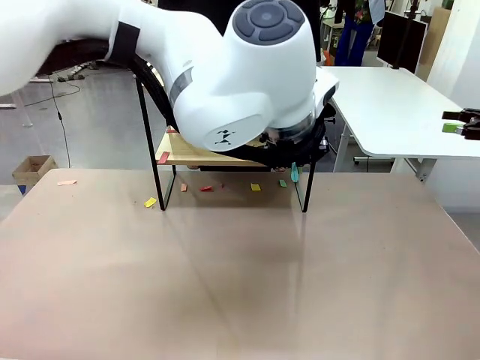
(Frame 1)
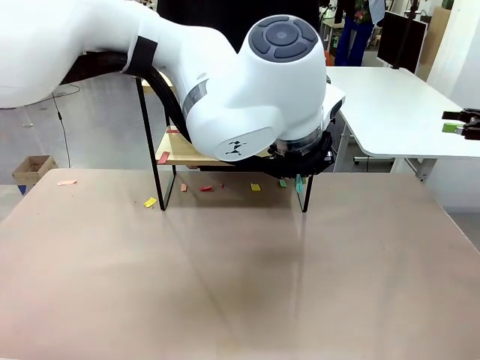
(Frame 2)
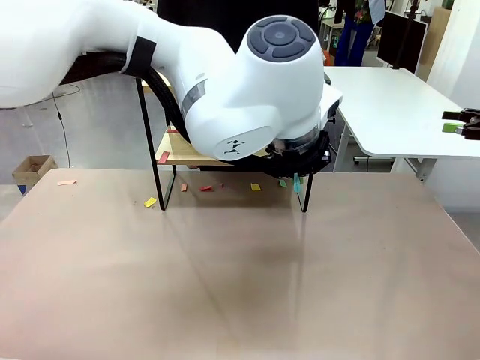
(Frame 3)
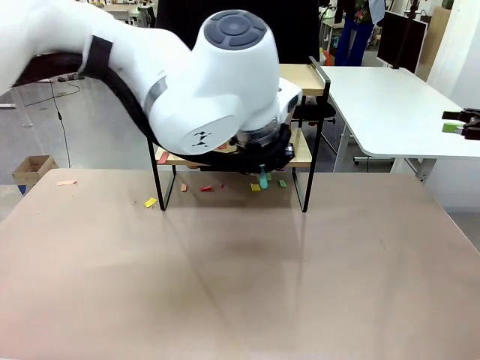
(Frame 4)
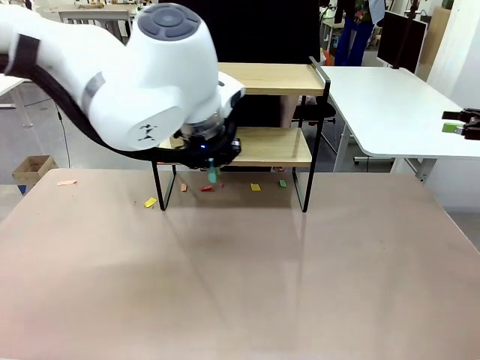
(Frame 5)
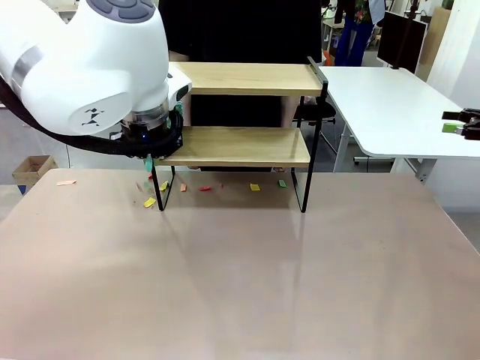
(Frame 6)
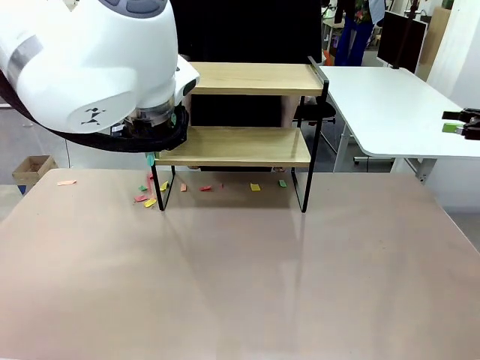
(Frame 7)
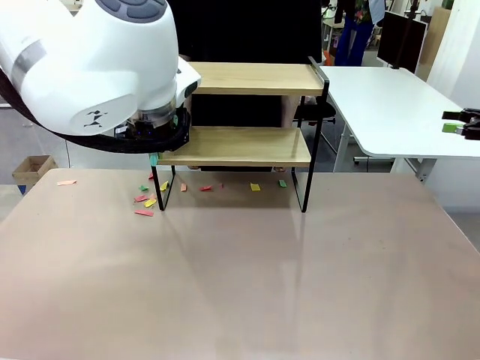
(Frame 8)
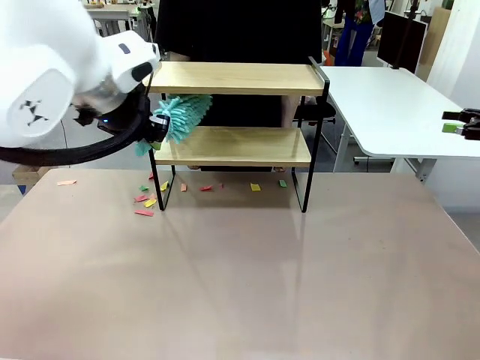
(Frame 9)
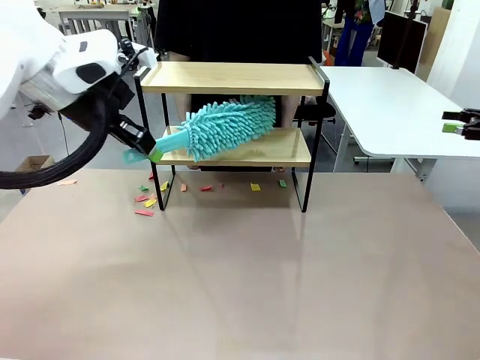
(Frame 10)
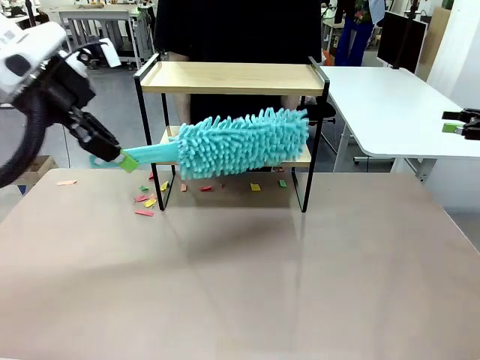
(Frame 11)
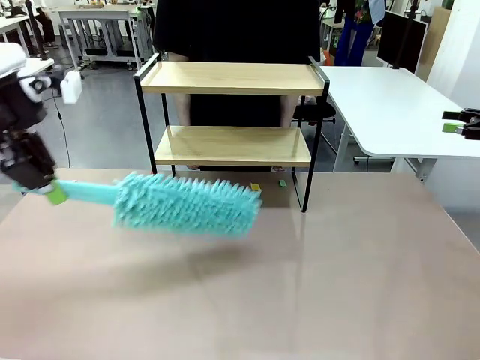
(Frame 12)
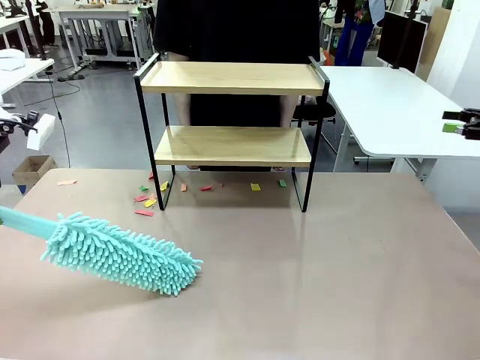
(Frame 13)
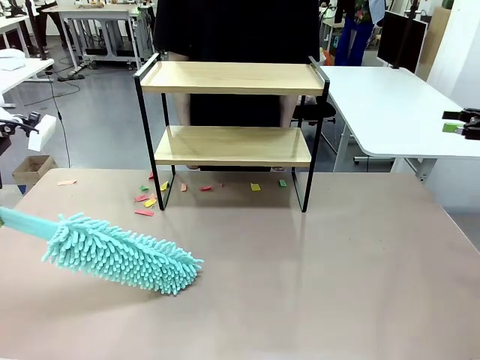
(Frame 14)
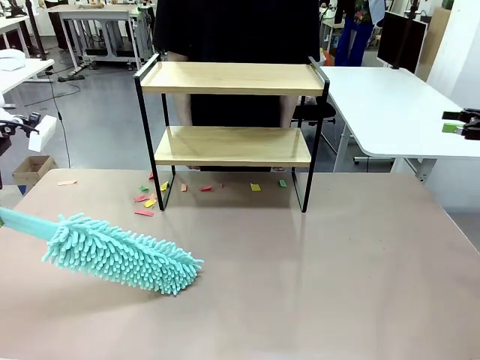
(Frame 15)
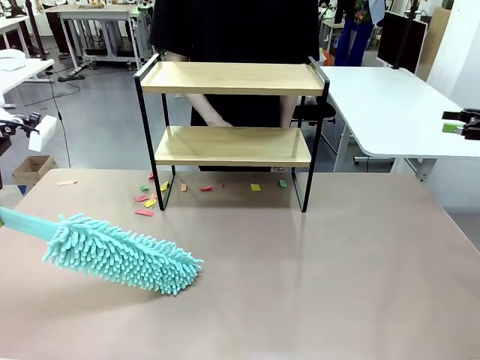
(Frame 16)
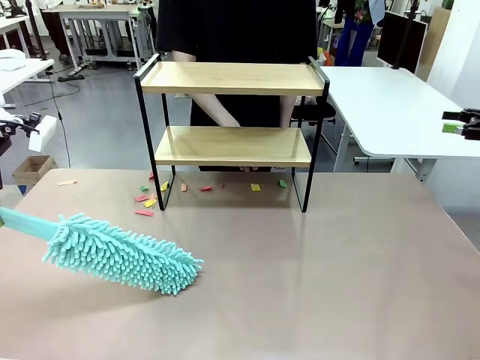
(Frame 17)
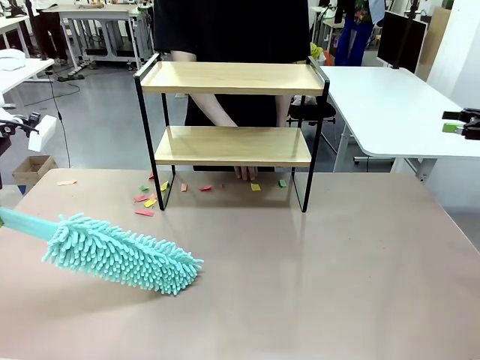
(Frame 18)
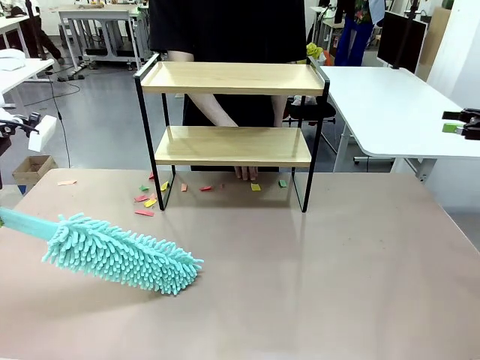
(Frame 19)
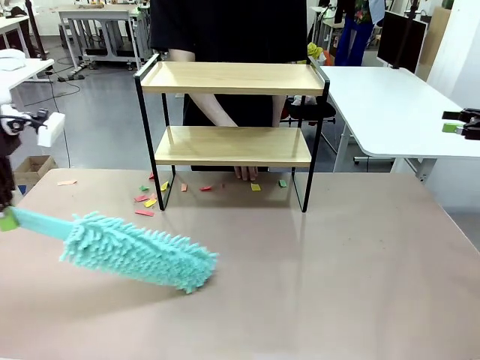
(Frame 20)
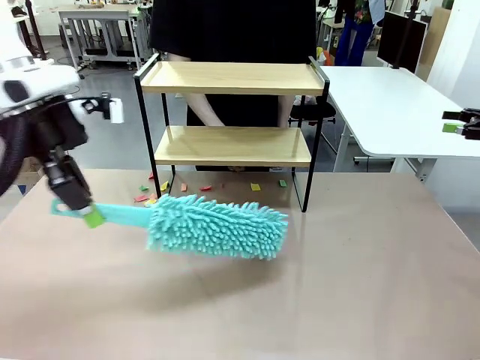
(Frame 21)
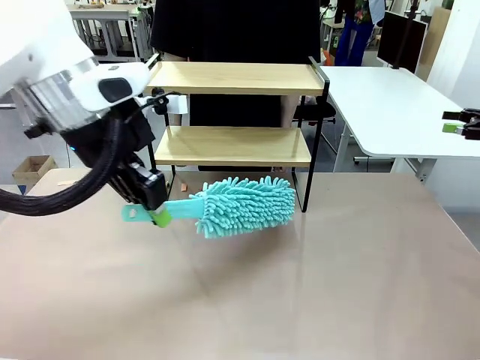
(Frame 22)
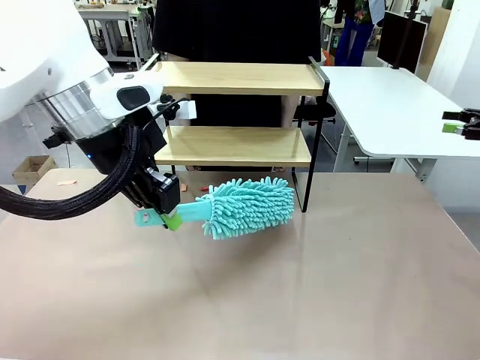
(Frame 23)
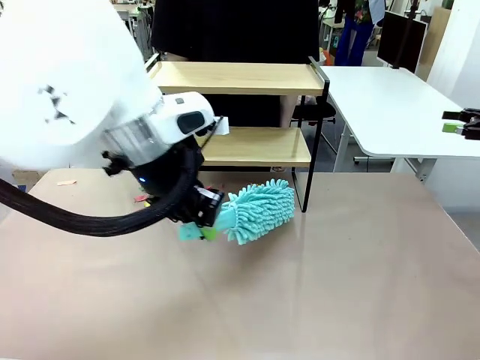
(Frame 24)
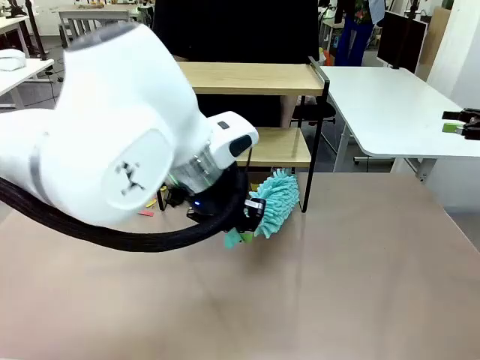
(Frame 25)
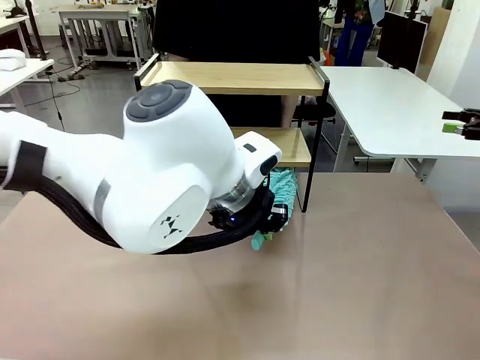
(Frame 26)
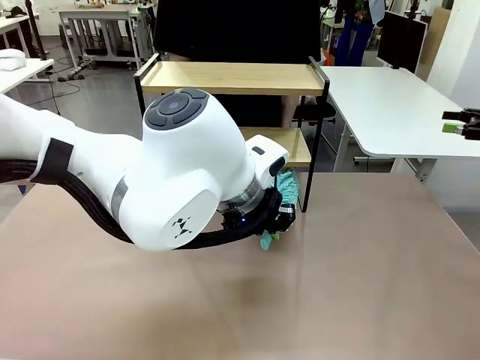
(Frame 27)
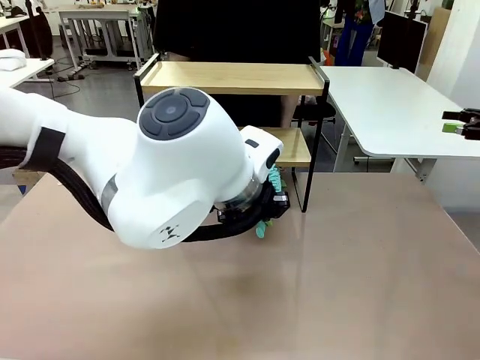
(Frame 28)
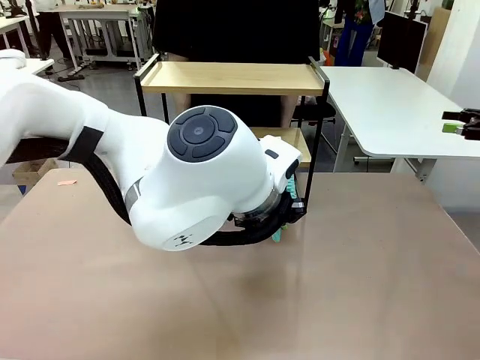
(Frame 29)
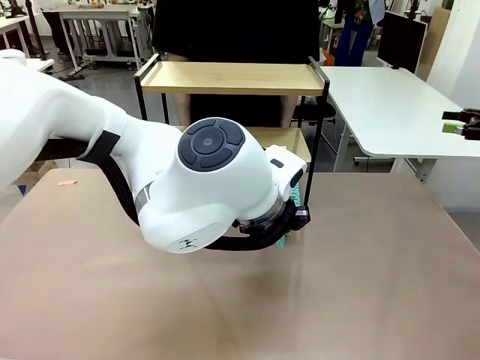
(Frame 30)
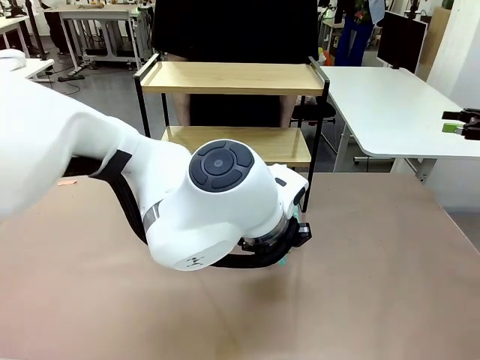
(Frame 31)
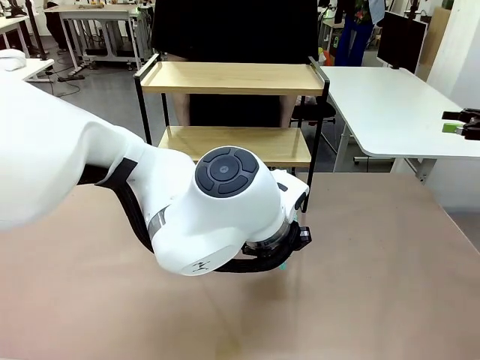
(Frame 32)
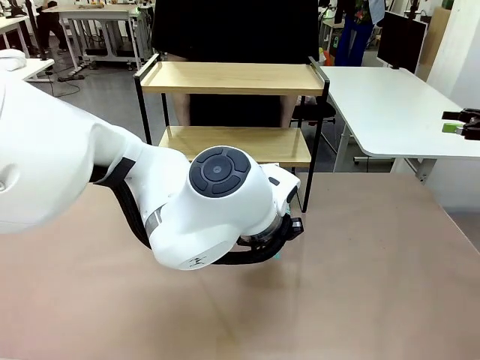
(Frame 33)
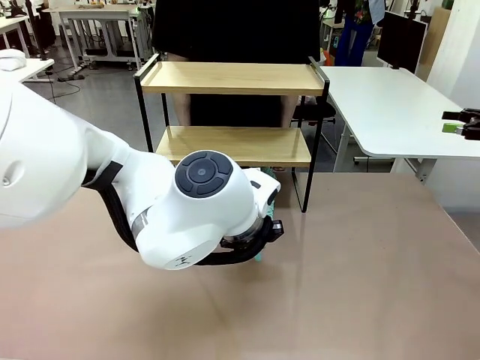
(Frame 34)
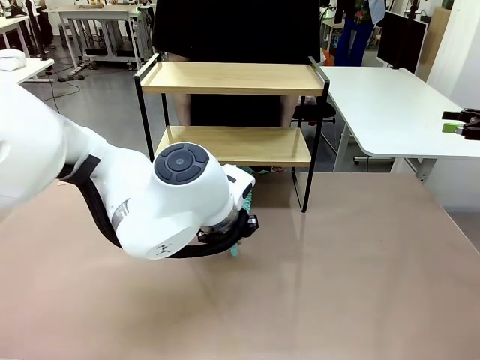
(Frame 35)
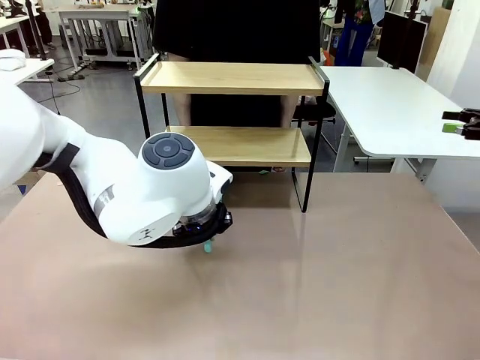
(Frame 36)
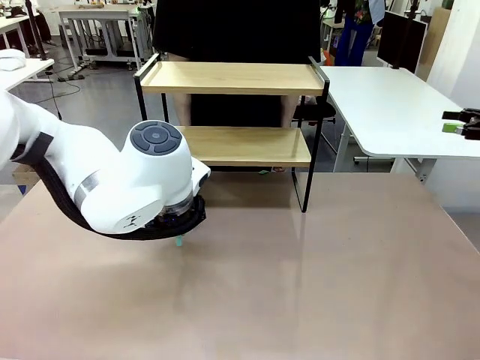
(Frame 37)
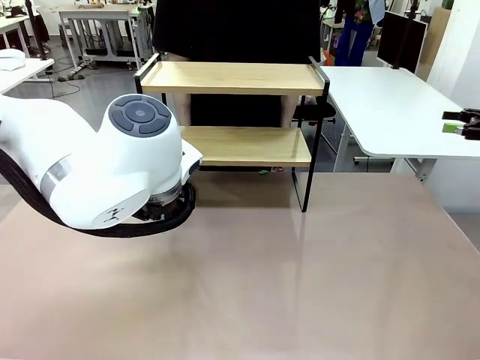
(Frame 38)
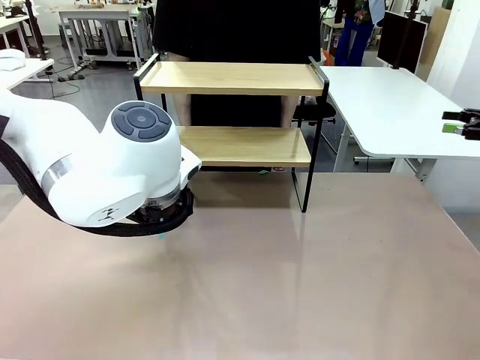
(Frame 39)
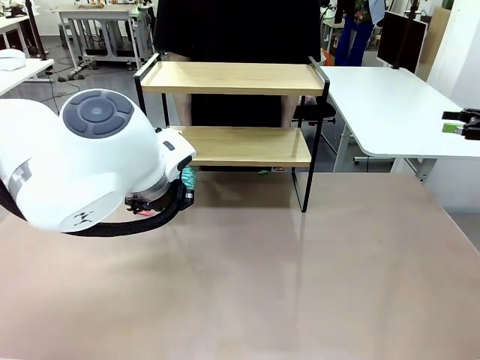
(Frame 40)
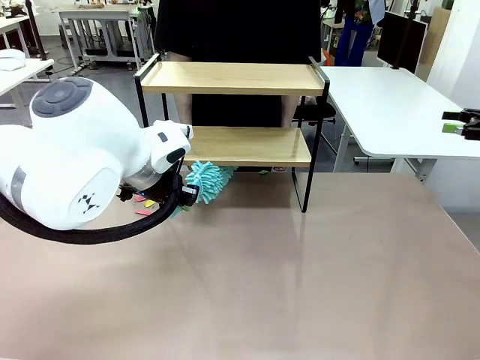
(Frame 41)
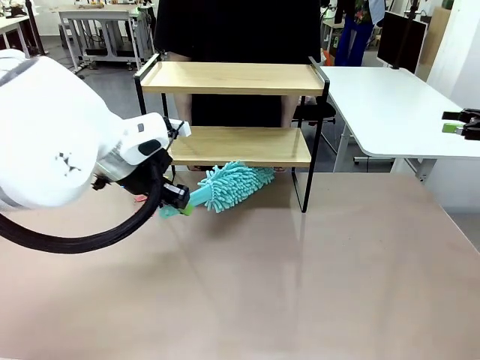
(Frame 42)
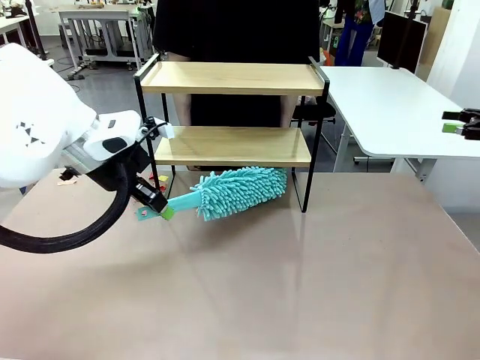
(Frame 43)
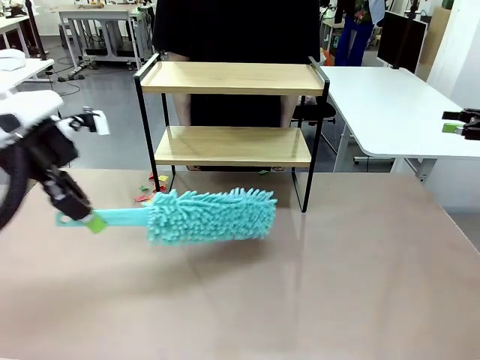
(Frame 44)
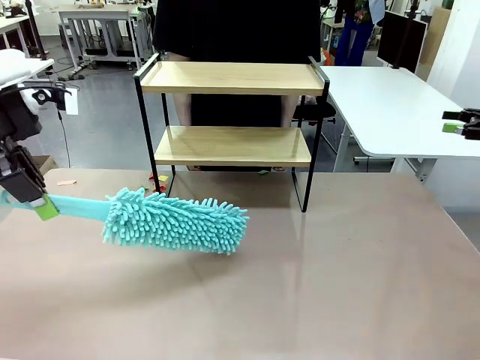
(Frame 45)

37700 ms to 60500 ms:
Task: Clean the shelf.
Robot: Clean the specific section of the Shelf indicated by the human with the Duster.
Person: Point a remaining section of the Shelf.
